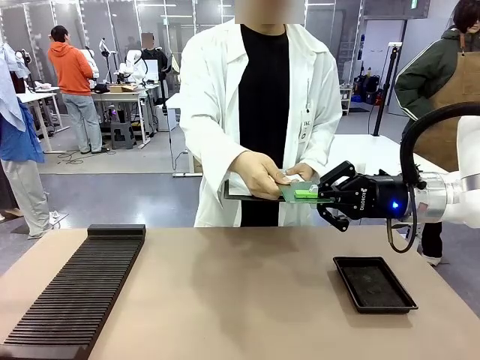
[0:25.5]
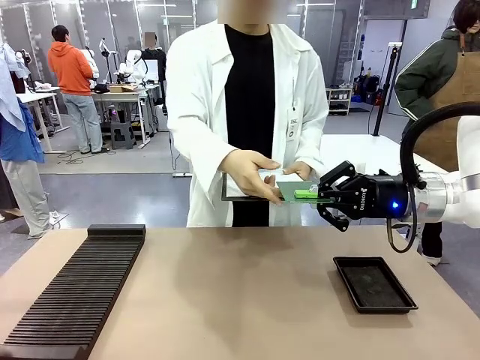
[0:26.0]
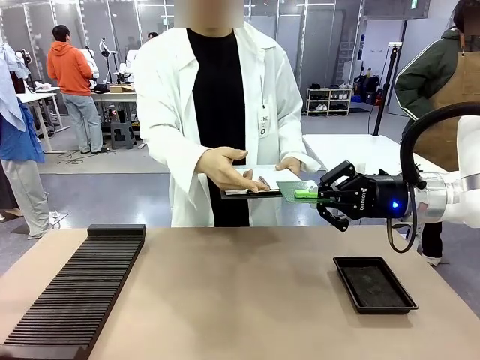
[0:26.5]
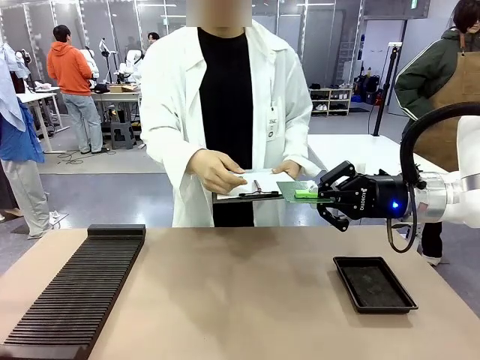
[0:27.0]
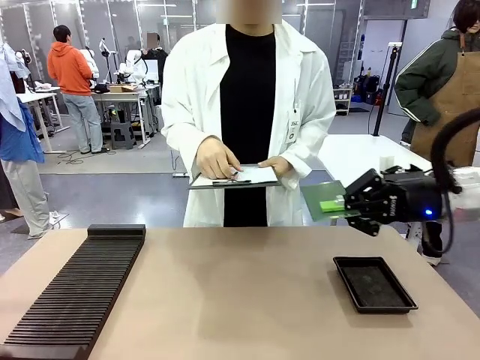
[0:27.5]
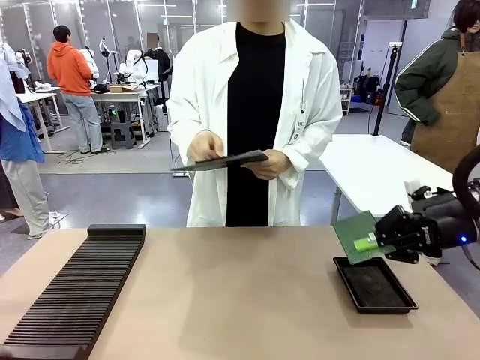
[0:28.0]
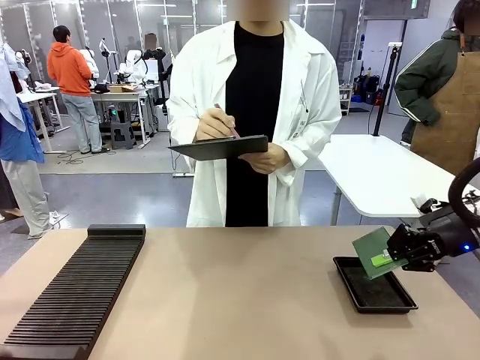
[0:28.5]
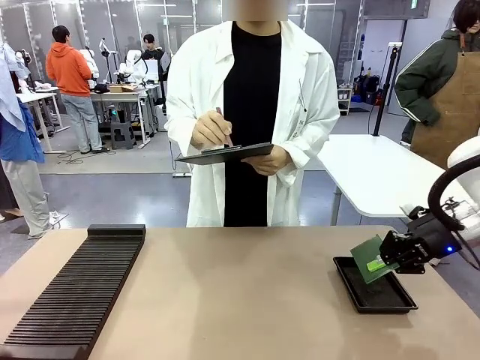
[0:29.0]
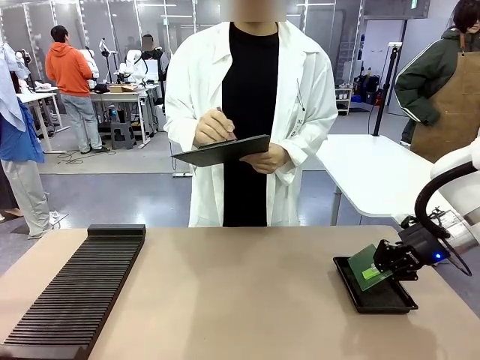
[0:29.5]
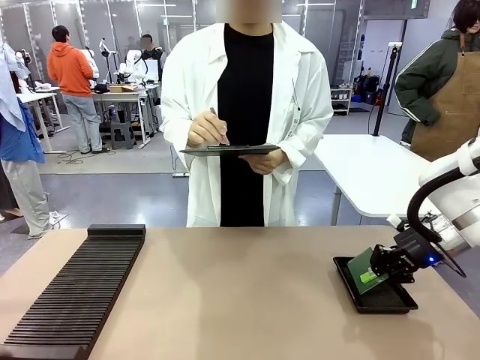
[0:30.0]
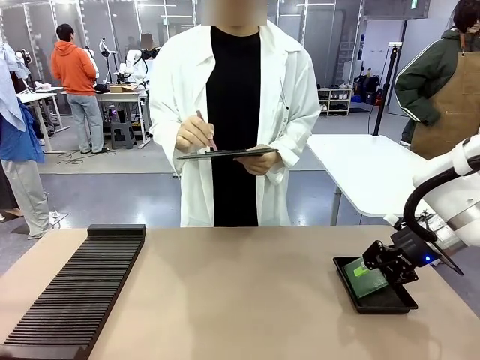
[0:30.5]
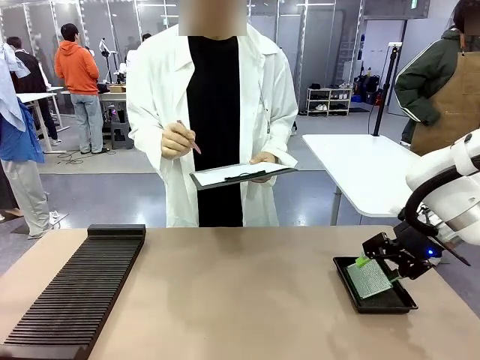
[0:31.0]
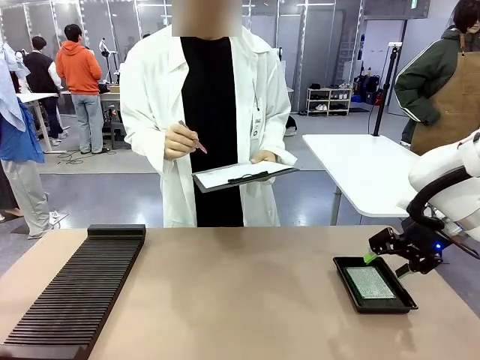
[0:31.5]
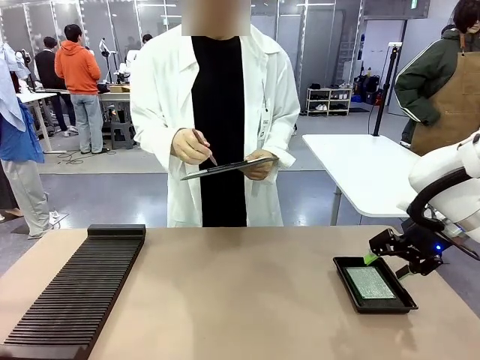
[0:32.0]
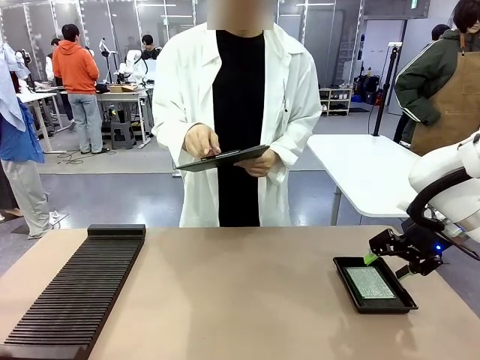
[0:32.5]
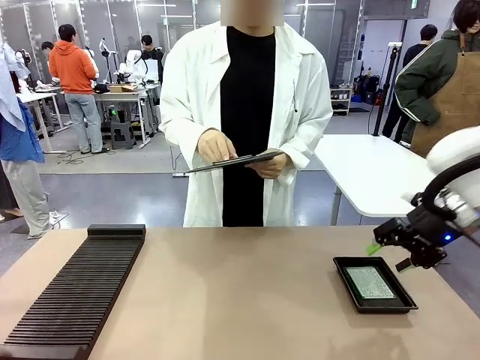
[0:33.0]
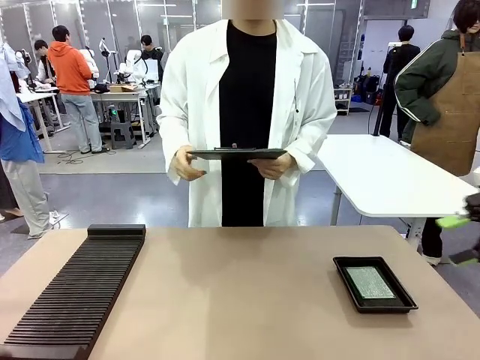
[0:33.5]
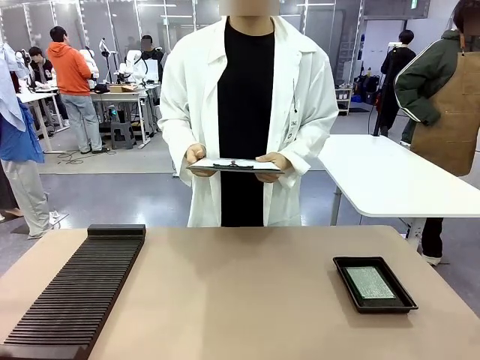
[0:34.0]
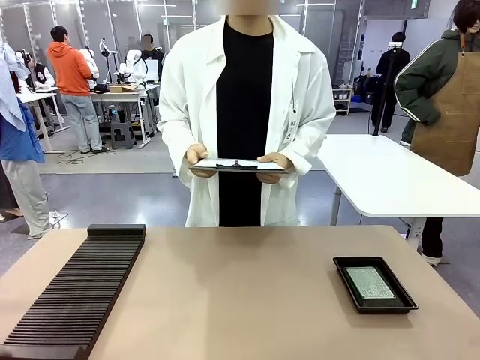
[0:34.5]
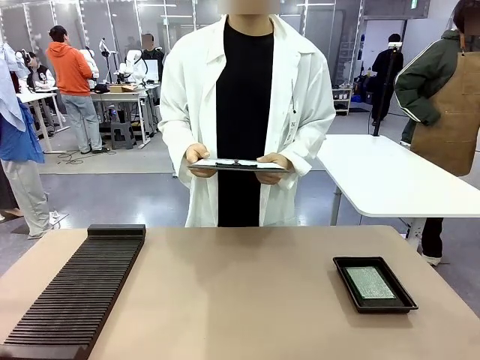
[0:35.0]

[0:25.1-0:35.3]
Task: Inspect the PCB.
Robot: Place the Blank PCB in the ESD tray.
Person: Record the PCB status on the paper.

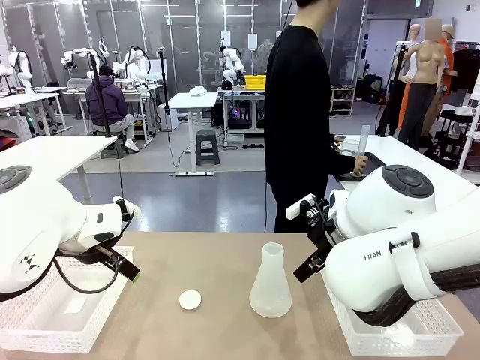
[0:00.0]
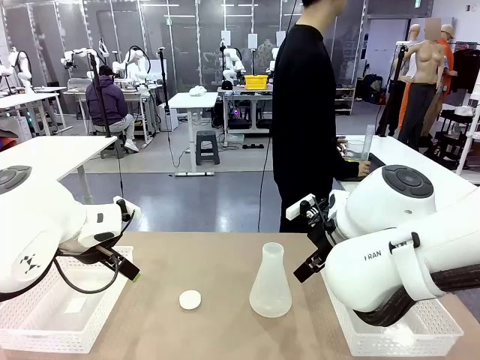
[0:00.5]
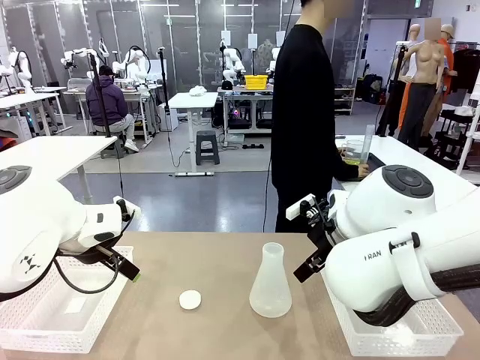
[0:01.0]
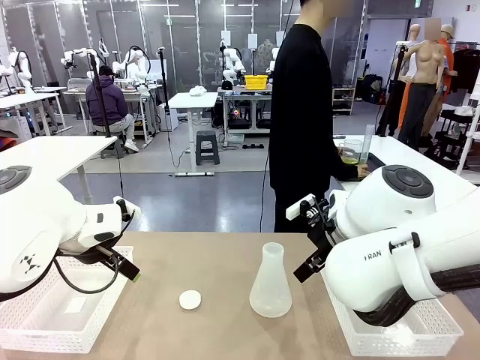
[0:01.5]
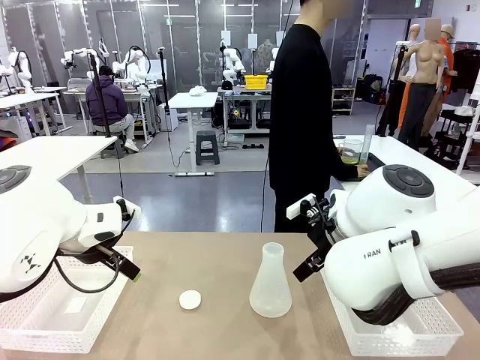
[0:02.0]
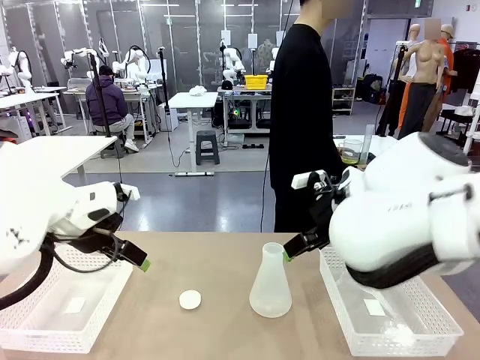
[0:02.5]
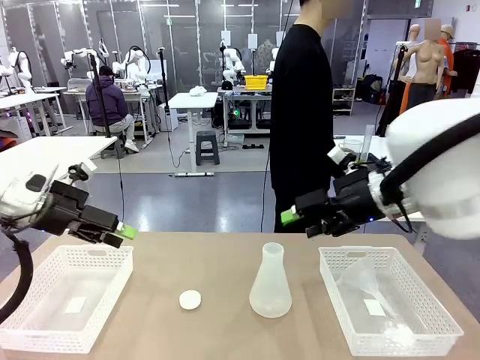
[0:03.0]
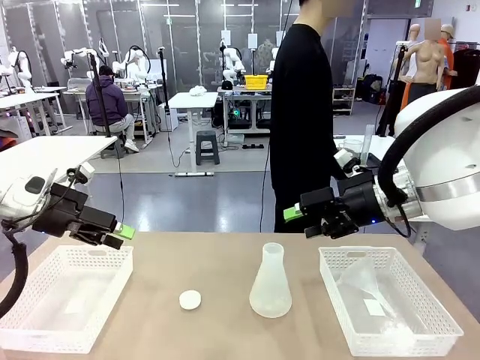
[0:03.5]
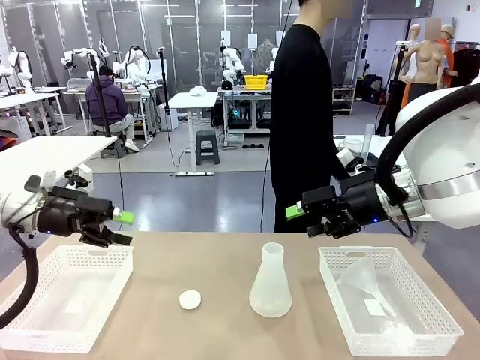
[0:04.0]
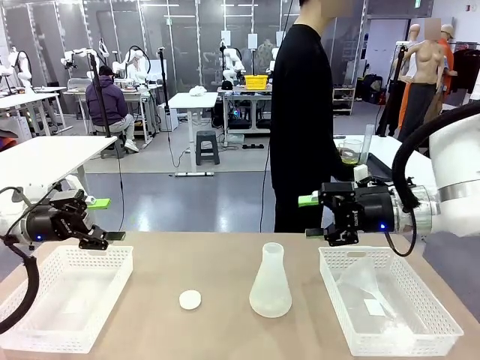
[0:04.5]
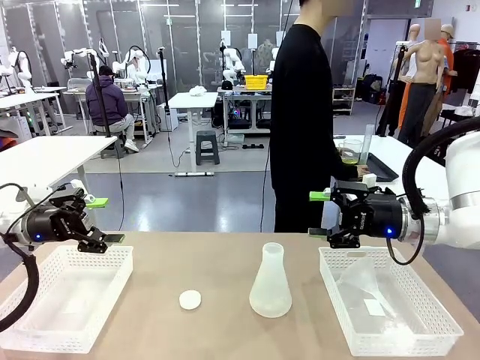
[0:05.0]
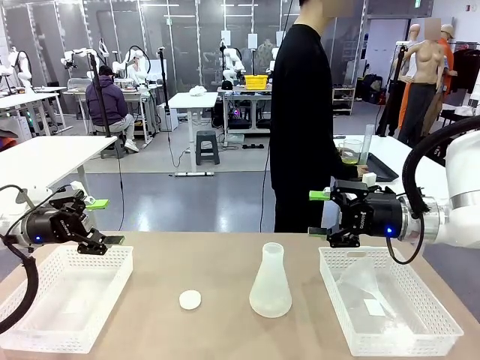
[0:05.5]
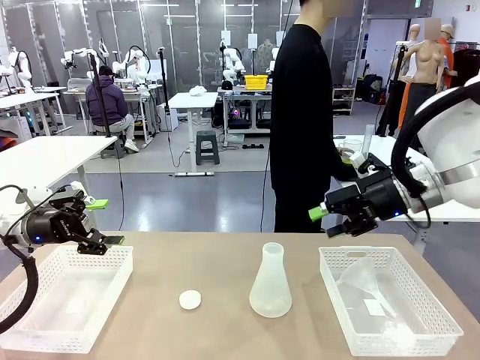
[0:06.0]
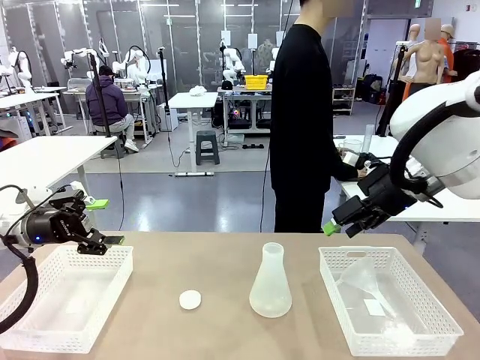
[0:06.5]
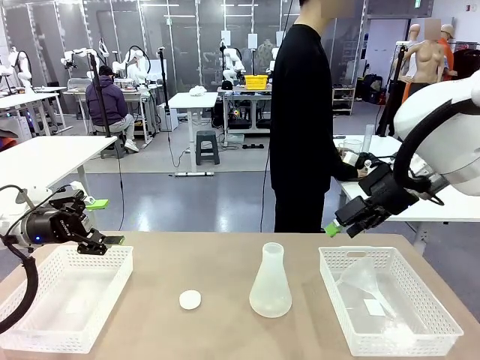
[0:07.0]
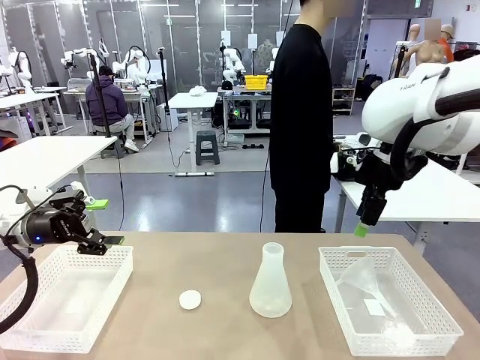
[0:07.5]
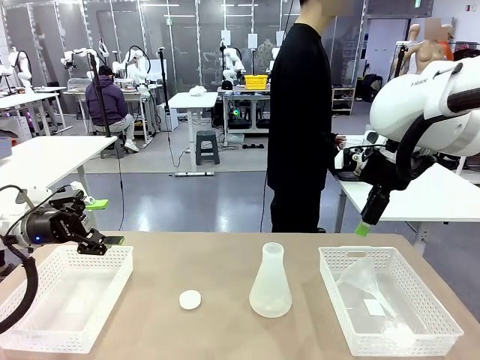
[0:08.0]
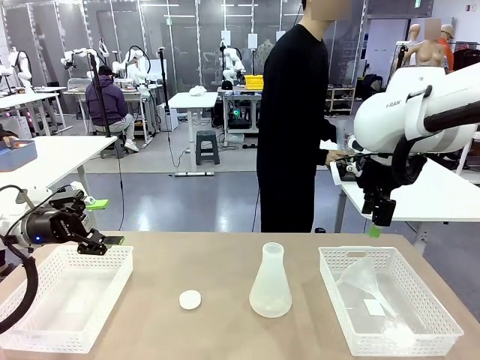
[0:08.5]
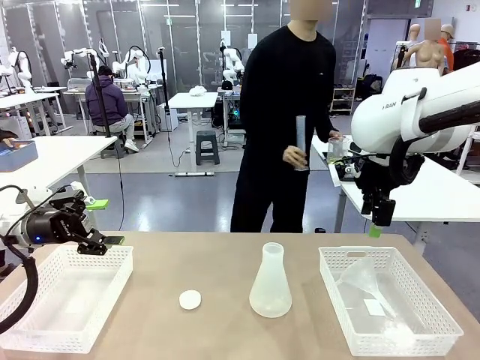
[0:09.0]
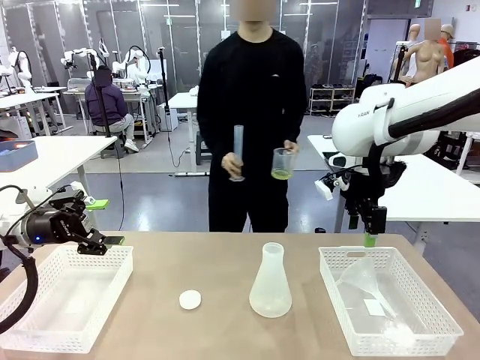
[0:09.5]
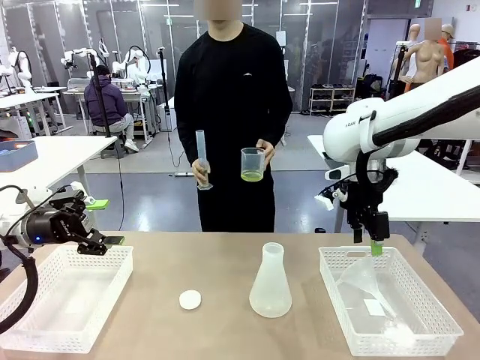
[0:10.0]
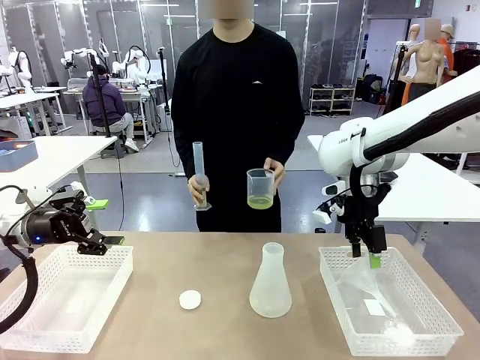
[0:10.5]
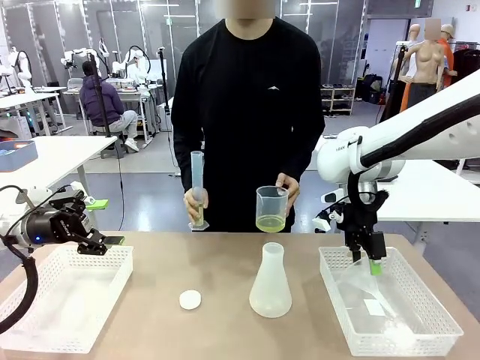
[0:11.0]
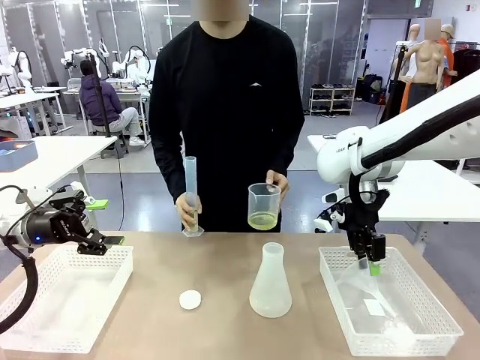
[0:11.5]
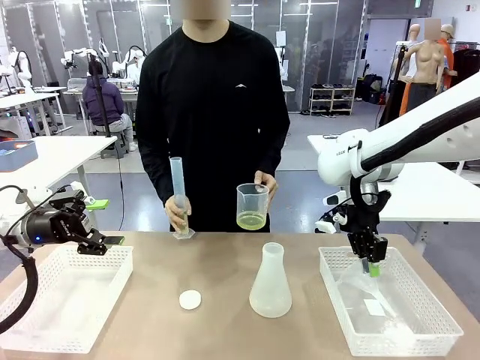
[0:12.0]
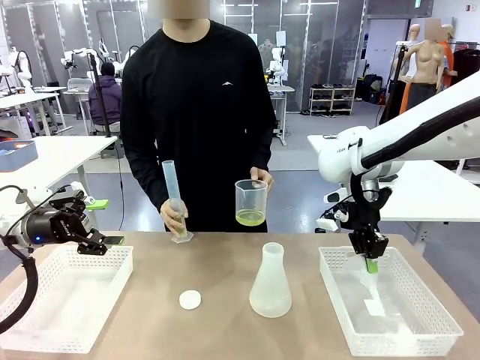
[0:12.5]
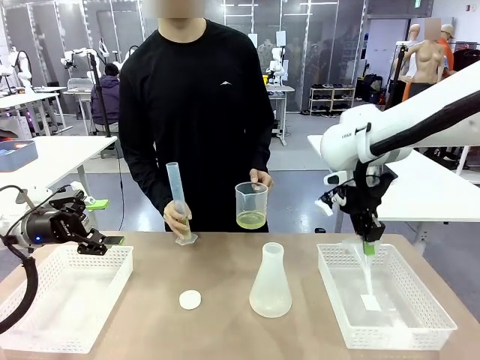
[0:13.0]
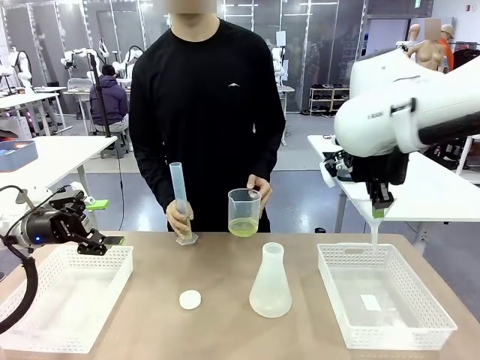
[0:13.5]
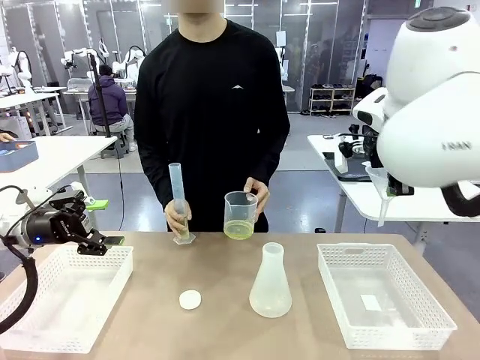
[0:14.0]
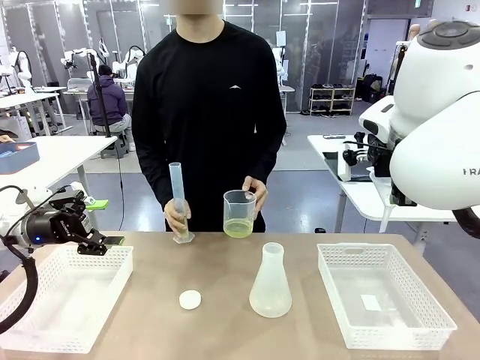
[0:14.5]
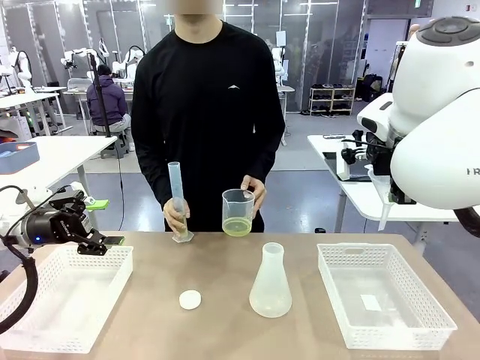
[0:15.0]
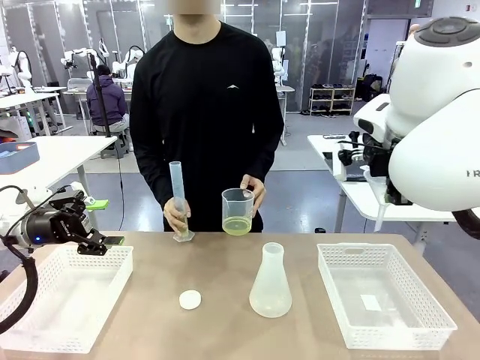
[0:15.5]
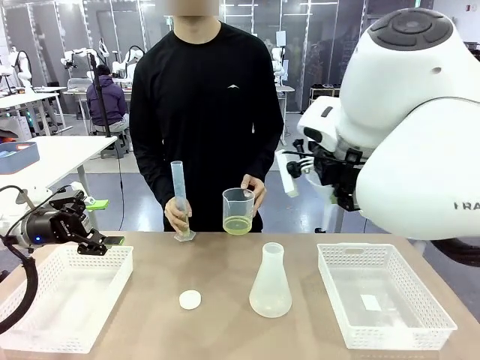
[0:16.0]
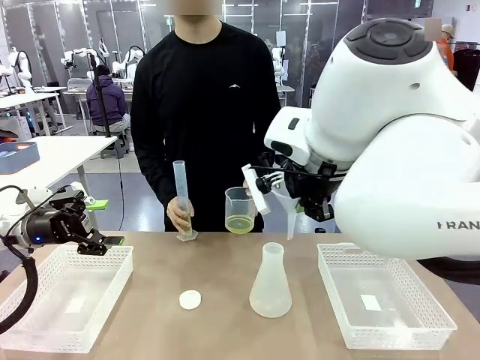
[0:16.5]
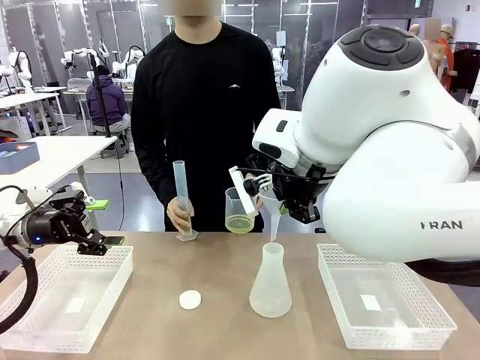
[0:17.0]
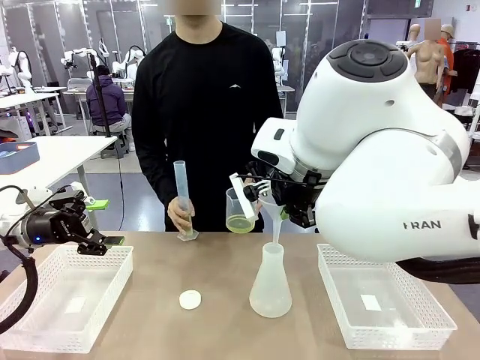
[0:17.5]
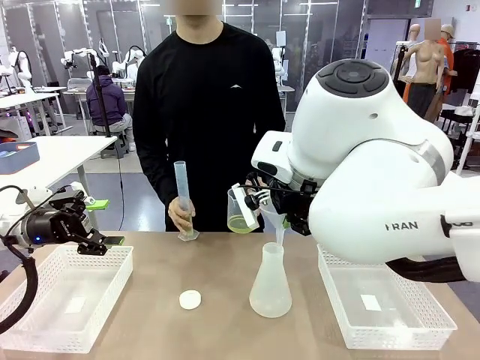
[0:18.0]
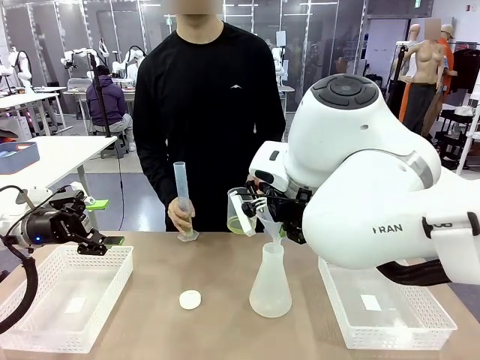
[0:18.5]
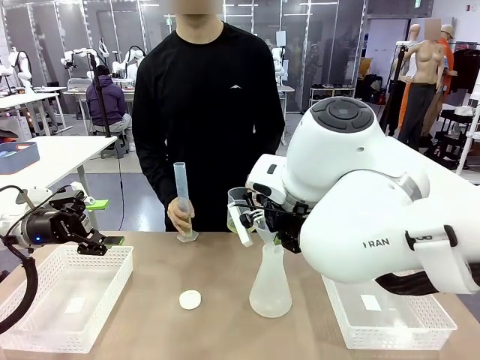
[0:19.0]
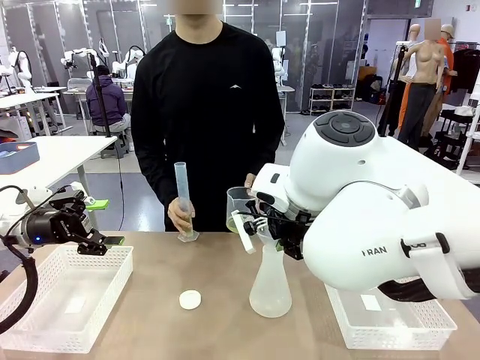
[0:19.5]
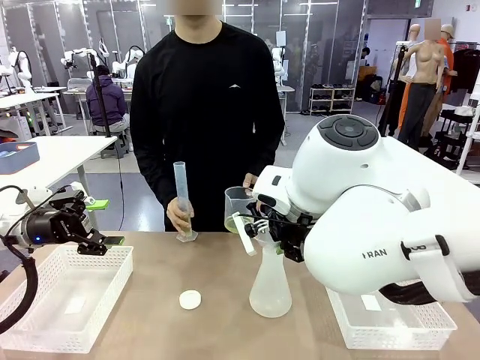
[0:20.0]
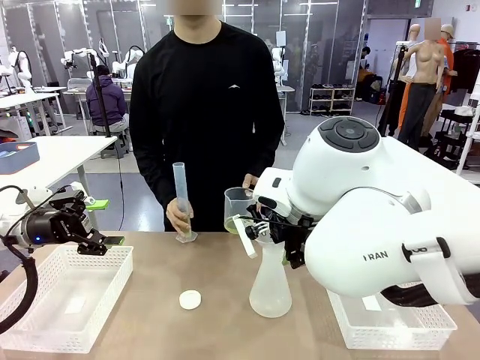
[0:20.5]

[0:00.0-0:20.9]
Task: Prepare the solutions needed for the experiment.
Robot: Pick up the Plastic Funnel and insert it into the Big flask.
Person: Pick up the beaker and the cylinder and move to the middle of the robot table.
